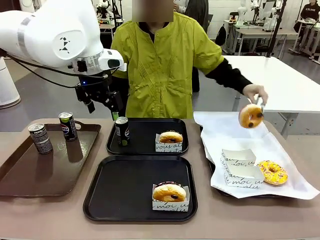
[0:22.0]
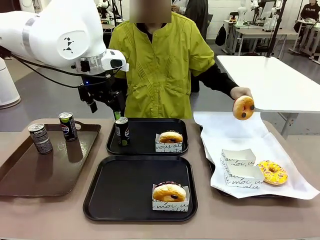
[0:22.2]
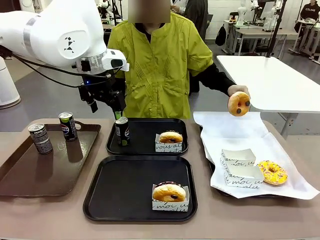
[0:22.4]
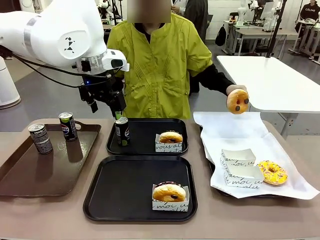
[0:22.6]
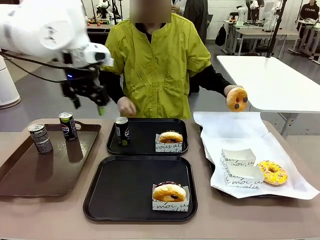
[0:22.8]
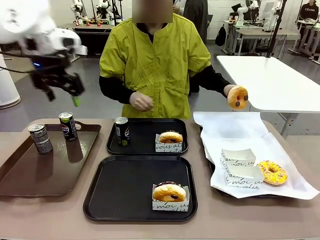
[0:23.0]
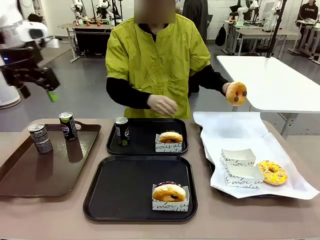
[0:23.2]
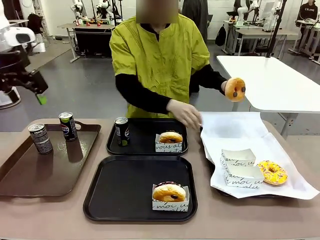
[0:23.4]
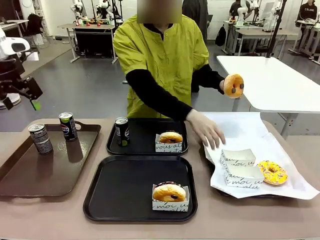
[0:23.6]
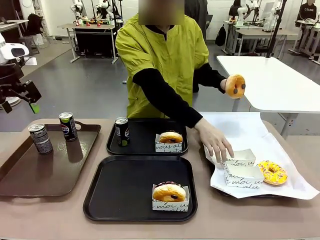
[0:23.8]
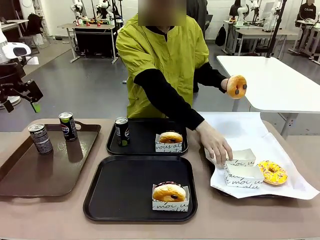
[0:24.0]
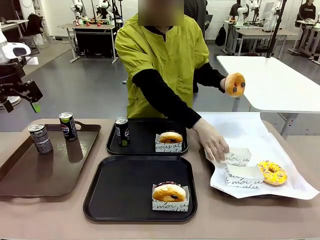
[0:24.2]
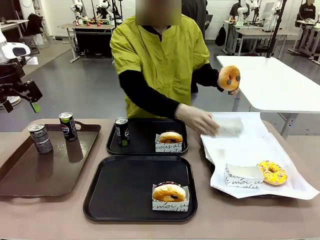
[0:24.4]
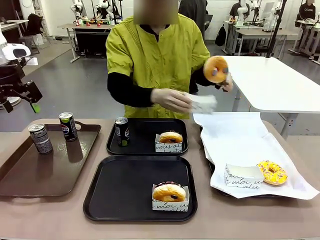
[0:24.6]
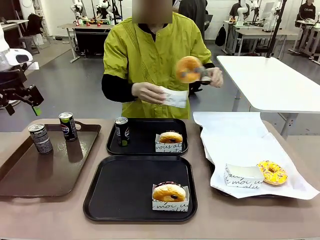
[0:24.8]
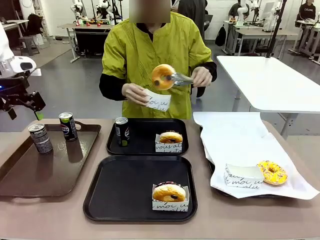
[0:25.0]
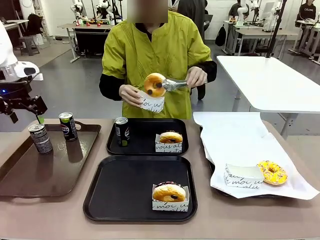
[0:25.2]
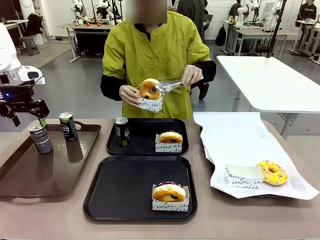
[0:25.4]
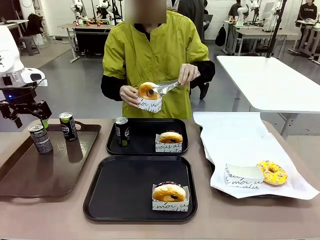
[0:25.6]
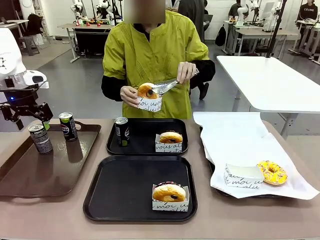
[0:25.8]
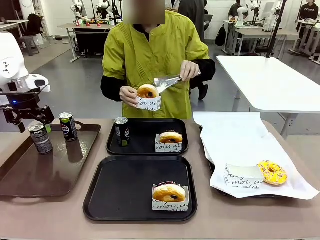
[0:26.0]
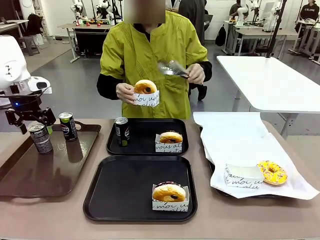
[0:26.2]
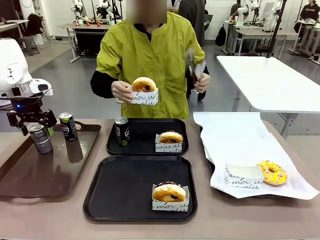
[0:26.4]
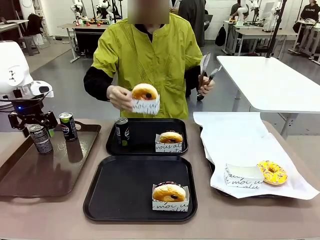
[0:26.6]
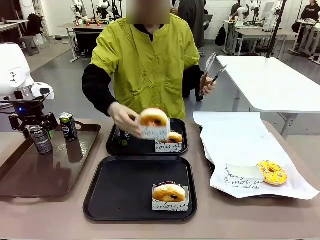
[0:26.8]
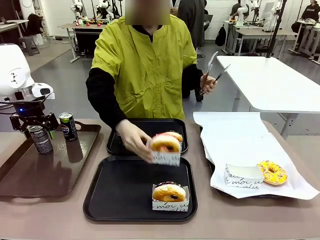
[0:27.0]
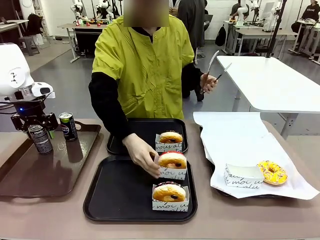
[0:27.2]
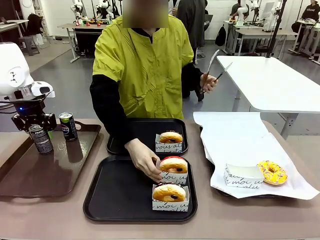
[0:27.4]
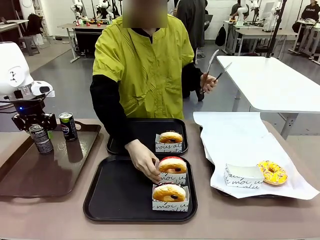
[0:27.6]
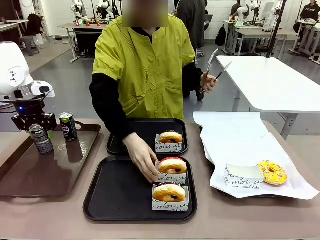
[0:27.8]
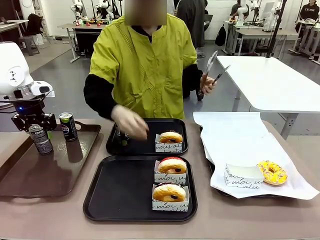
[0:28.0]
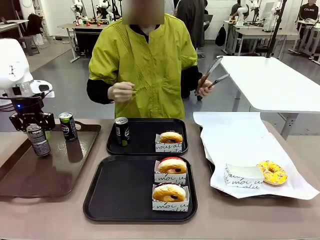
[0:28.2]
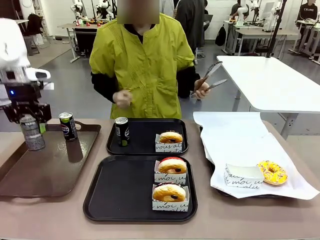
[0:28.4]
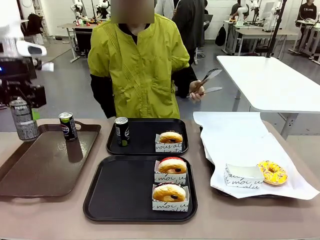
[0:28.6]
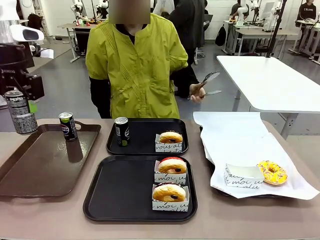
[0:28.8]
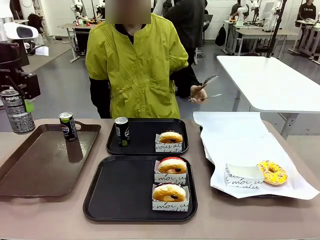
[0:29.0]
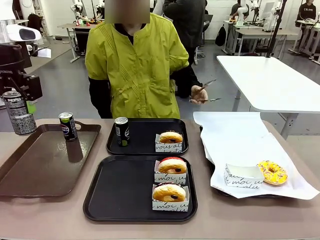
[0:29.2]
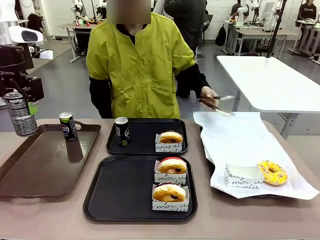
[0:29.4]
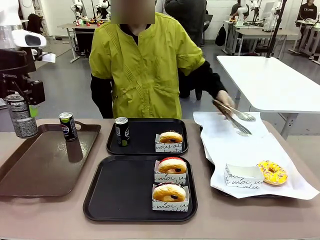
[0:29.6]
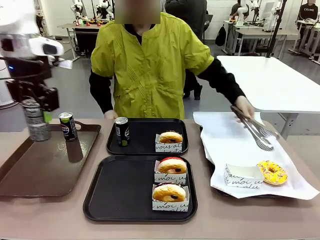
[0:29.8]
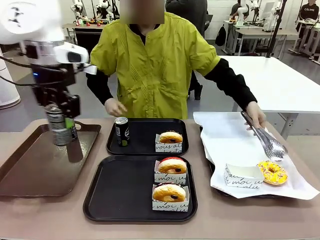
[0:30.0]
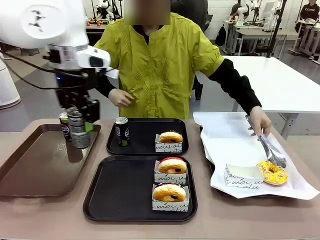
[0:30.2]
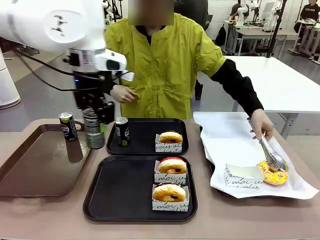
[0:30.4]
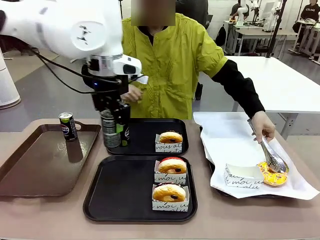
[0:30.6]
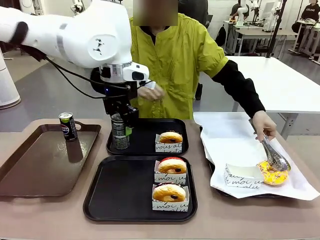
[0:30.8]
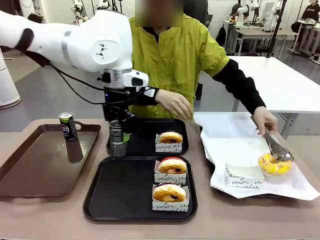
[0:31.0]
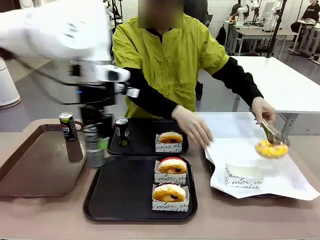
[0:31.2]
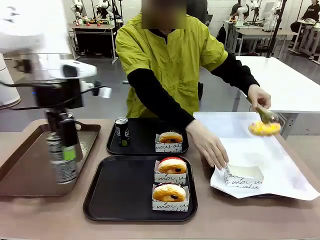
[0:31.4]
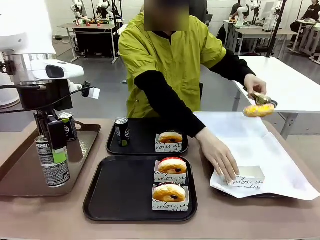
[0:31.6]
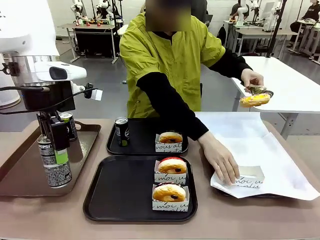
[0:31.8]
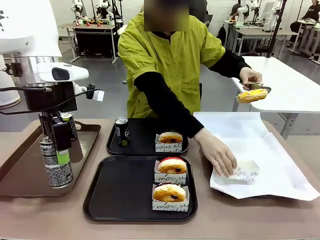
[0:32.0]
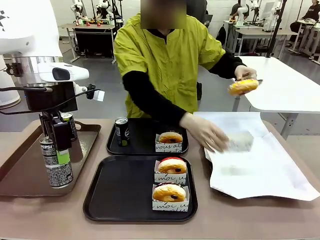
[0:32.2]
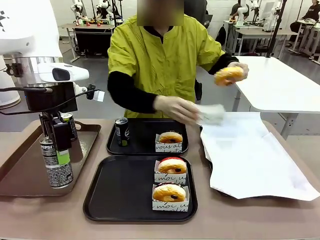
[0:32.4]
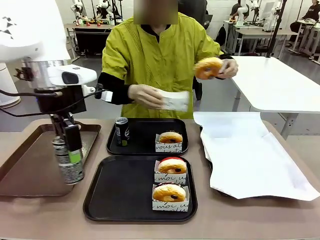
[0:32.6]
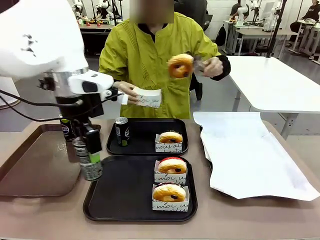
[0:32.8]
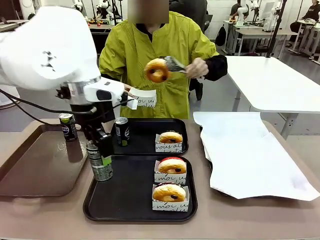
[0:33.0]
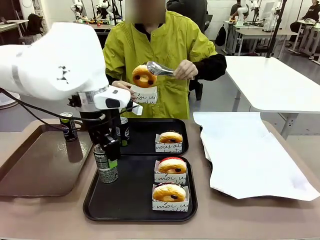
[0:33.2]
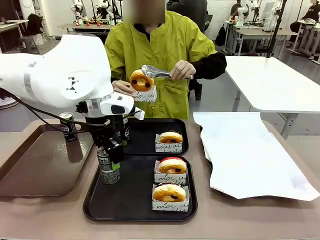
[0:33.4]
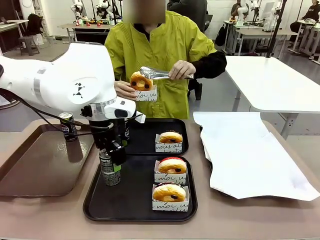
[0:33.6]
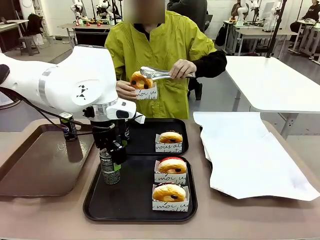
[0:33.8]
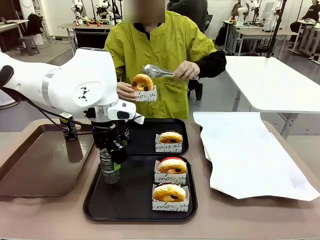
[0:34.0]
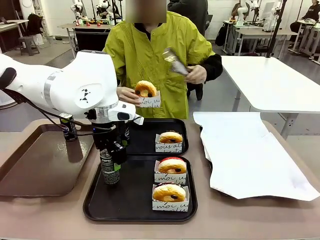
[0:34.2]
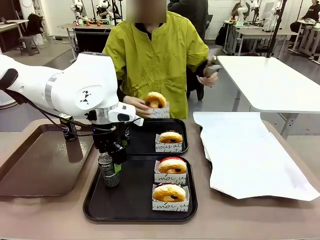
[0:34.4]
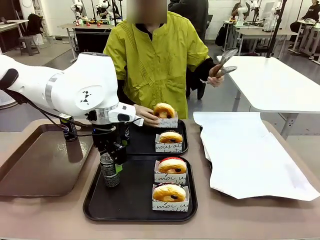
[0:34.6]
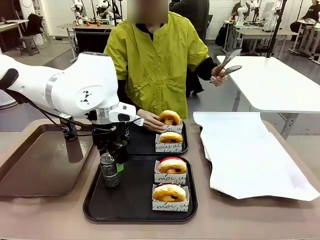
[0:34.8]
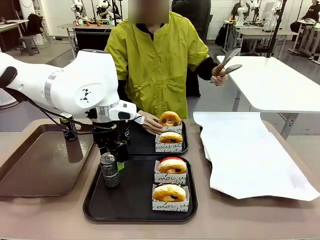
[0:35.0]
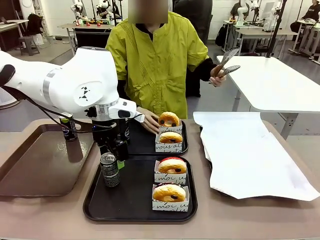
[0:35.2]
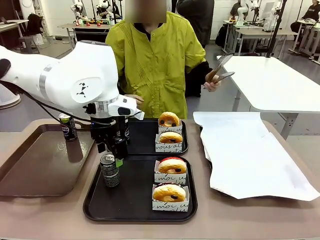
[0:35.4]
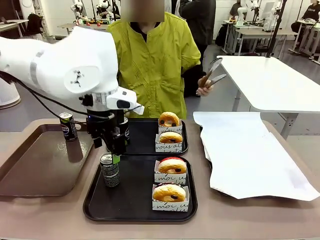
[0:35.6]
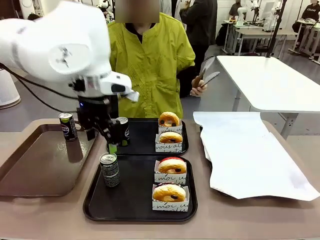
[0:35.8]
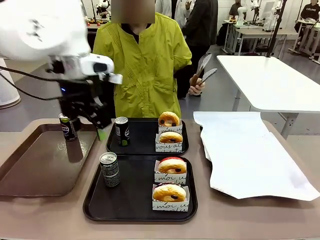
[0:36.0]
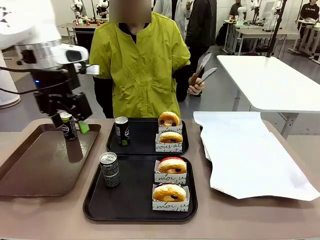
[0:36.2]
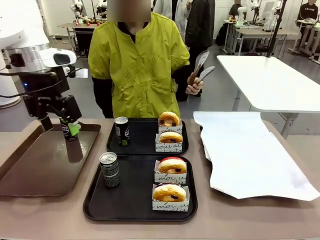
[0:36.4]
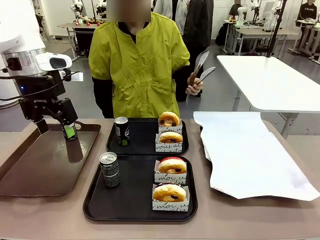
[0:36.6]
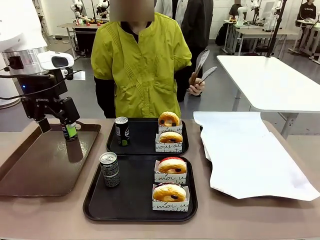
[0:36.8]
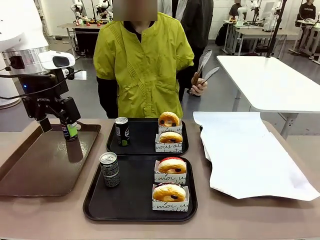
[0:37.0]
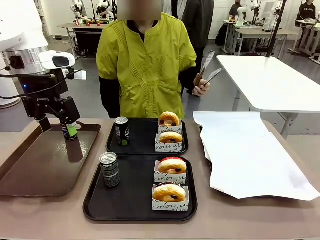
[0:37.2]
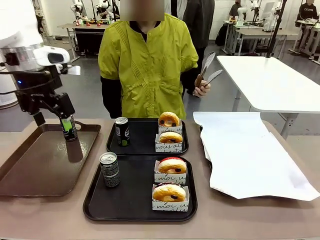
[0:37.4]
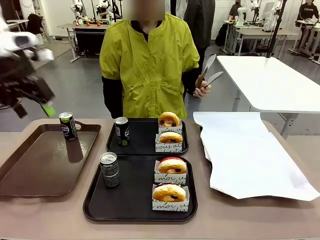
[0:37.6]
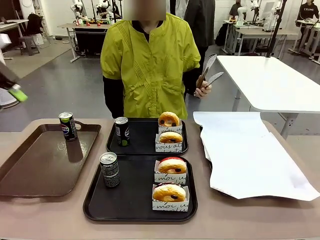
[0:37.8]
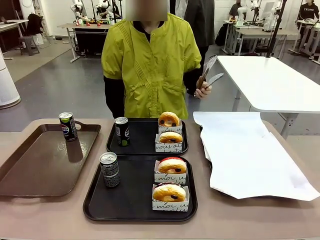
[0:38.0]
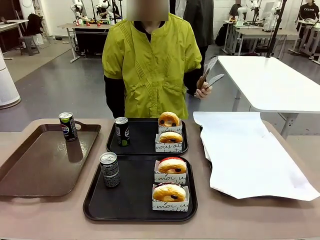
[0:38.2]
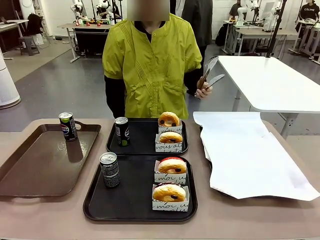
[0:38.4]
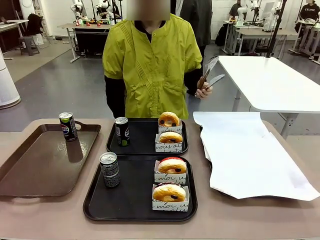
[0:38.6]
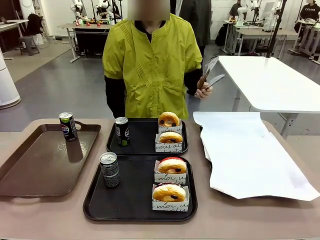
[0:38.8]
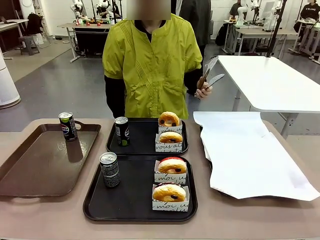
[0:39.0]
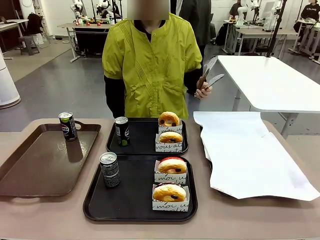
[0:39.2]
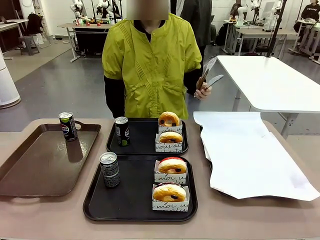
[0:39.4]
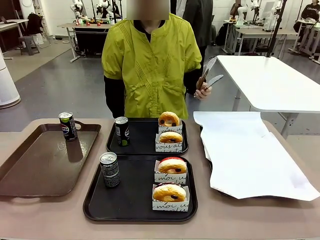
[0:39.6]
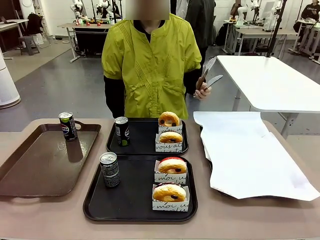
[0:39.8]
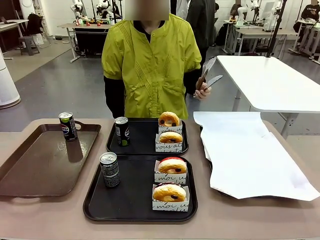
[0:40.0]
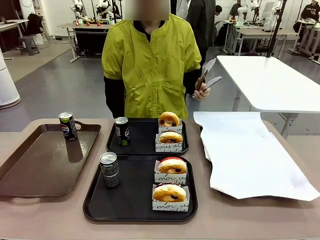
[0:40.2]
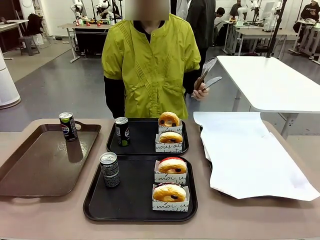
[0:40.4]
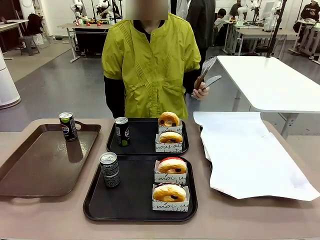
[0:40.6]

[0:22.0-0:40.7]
Task: Set up donuts and drinks on trays.
Robot: Pick up one Pepsi coke from the Handle tray and place it on the Flat Tray without a Pepsi coke.
